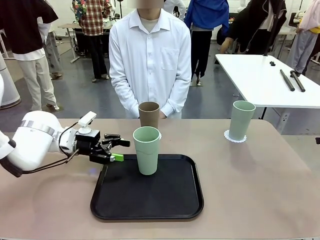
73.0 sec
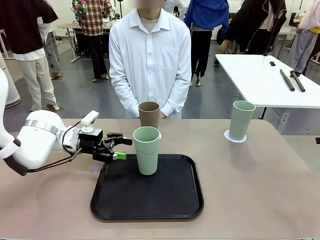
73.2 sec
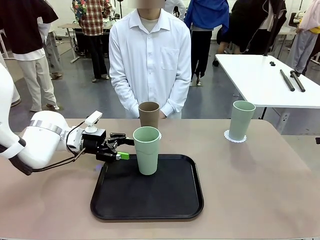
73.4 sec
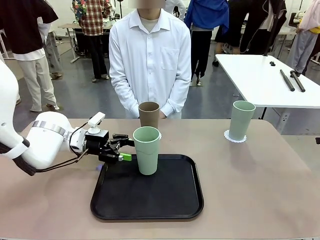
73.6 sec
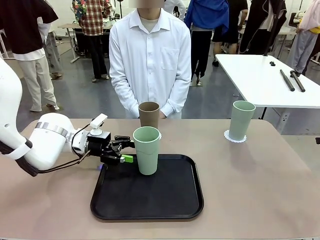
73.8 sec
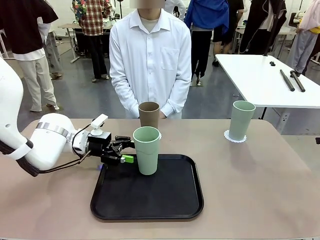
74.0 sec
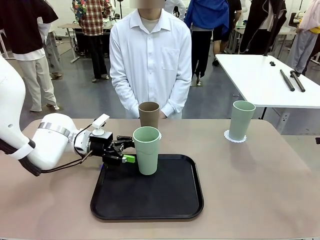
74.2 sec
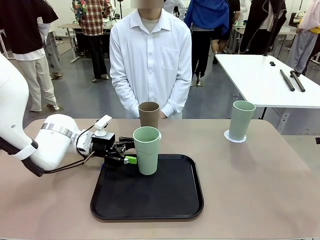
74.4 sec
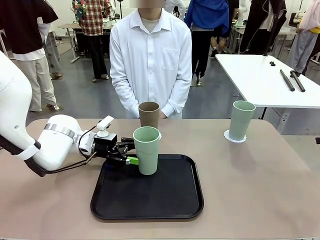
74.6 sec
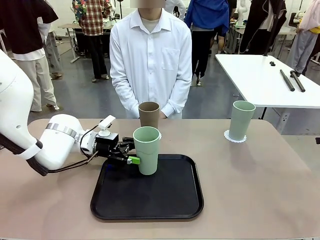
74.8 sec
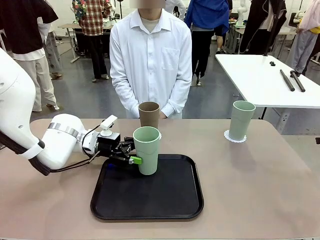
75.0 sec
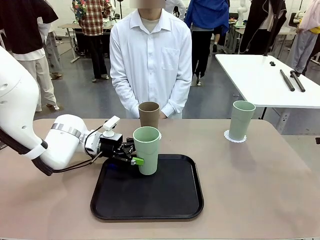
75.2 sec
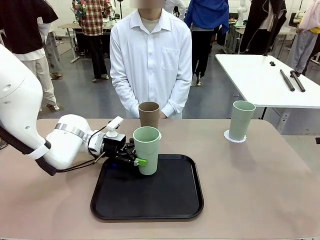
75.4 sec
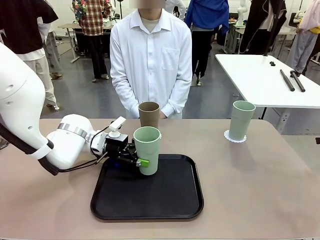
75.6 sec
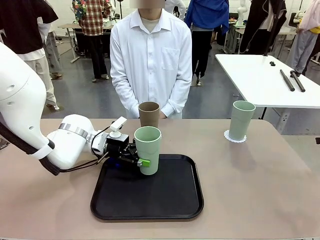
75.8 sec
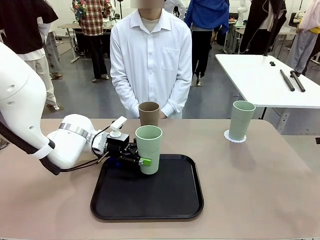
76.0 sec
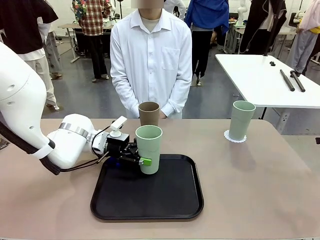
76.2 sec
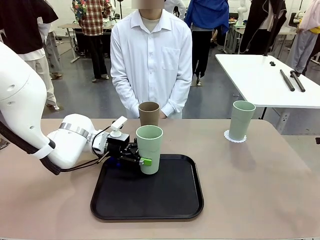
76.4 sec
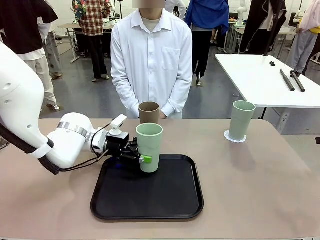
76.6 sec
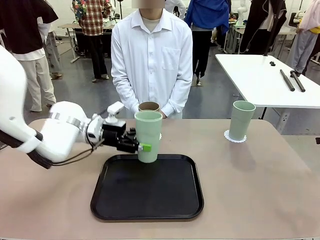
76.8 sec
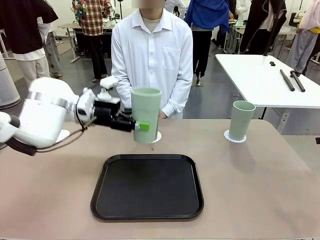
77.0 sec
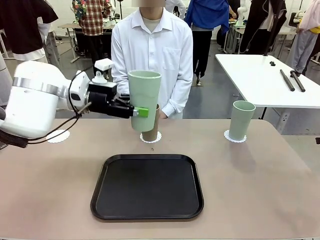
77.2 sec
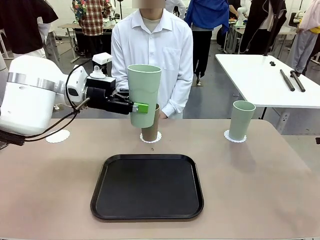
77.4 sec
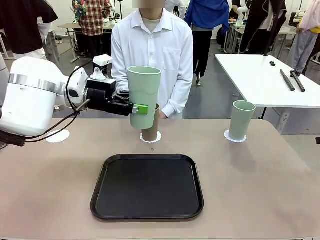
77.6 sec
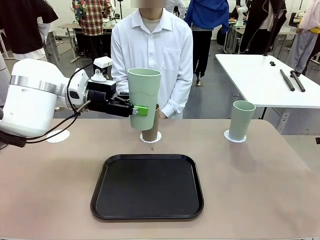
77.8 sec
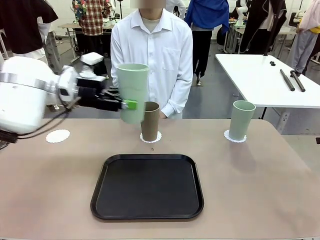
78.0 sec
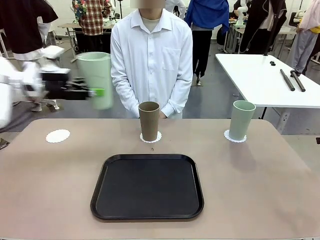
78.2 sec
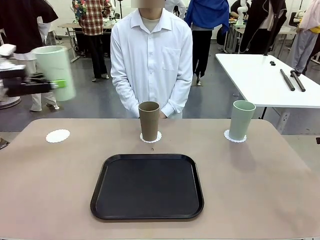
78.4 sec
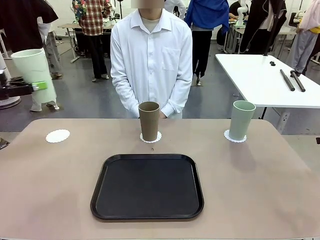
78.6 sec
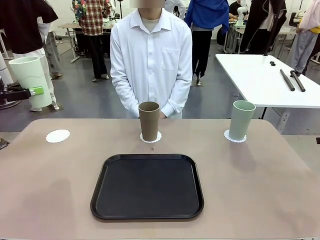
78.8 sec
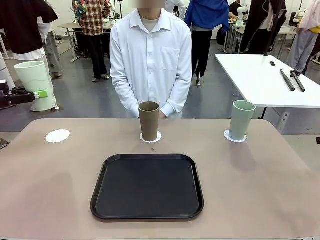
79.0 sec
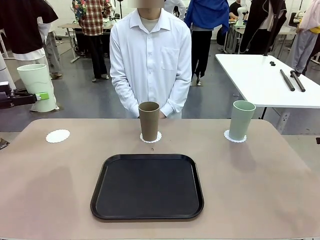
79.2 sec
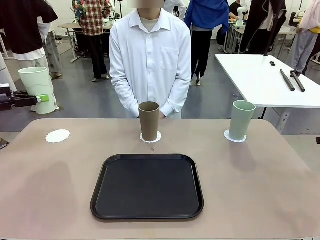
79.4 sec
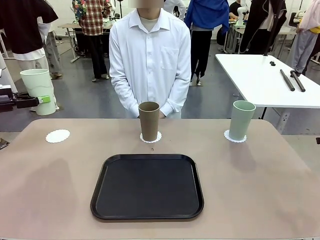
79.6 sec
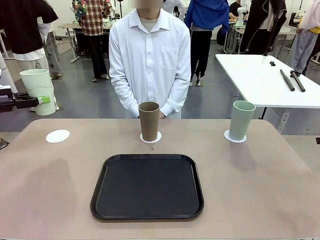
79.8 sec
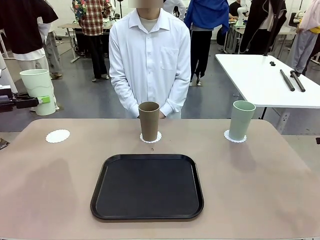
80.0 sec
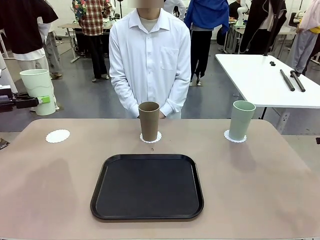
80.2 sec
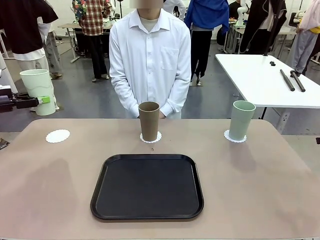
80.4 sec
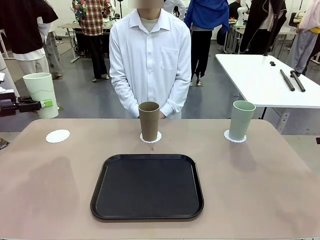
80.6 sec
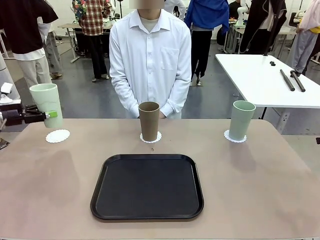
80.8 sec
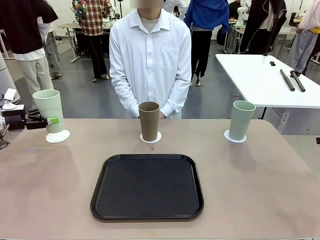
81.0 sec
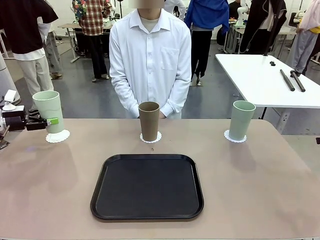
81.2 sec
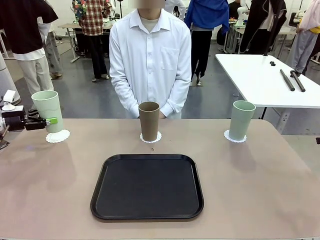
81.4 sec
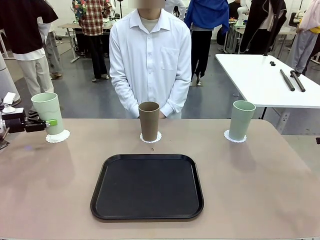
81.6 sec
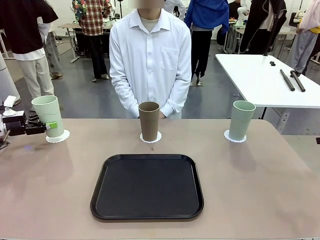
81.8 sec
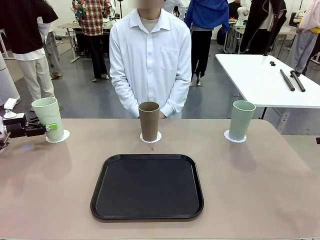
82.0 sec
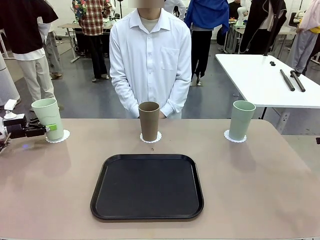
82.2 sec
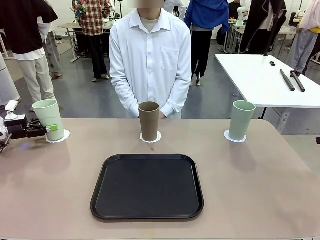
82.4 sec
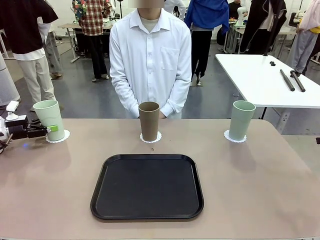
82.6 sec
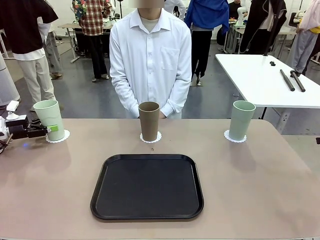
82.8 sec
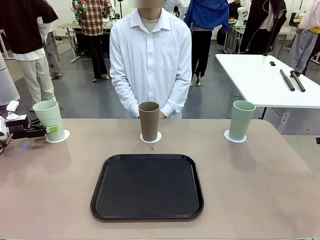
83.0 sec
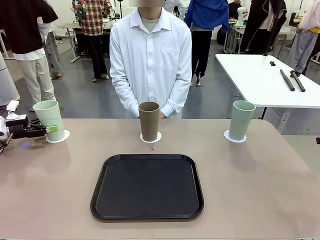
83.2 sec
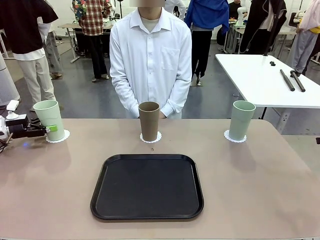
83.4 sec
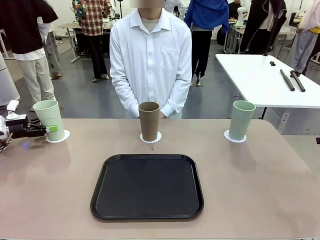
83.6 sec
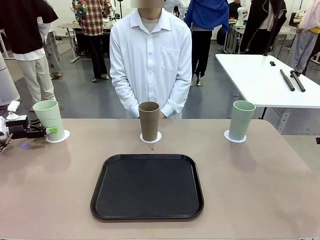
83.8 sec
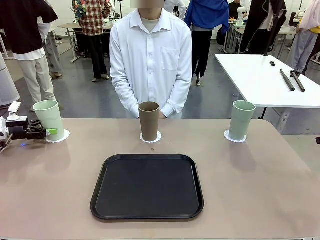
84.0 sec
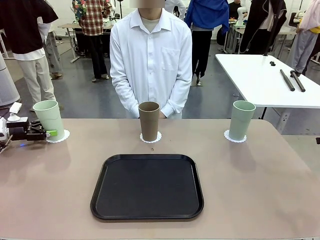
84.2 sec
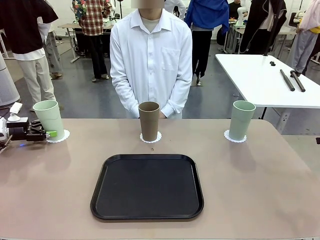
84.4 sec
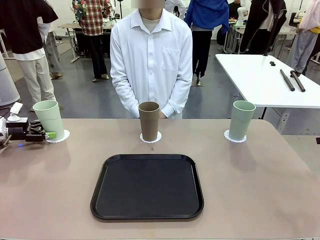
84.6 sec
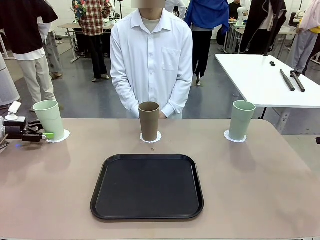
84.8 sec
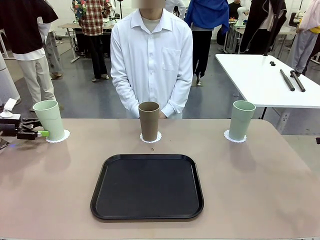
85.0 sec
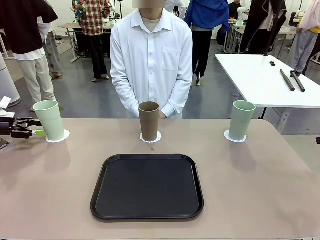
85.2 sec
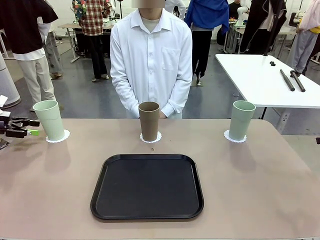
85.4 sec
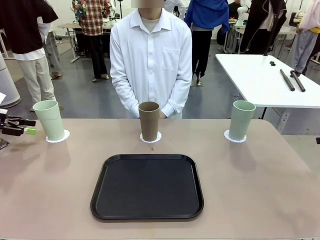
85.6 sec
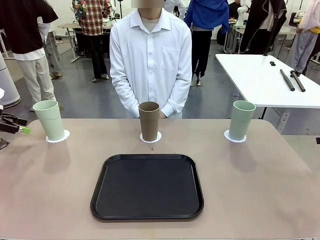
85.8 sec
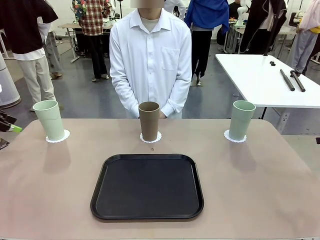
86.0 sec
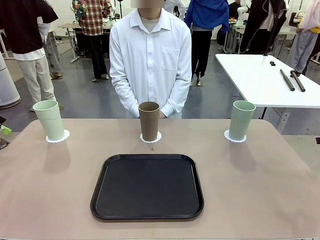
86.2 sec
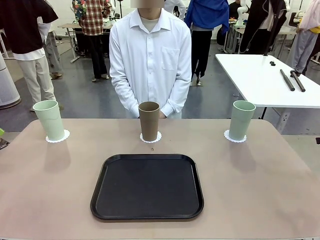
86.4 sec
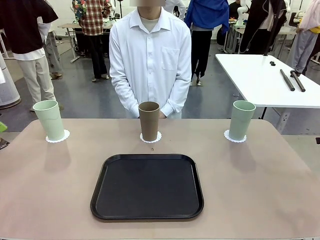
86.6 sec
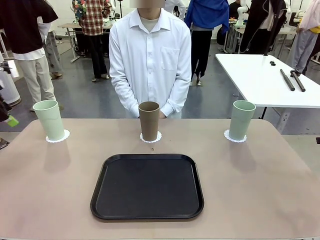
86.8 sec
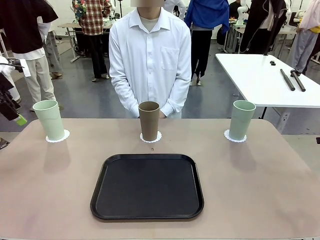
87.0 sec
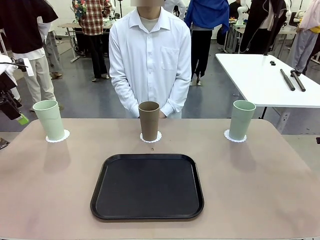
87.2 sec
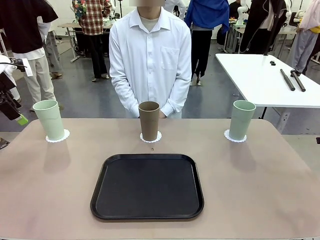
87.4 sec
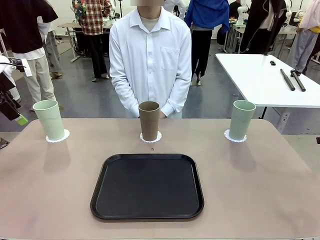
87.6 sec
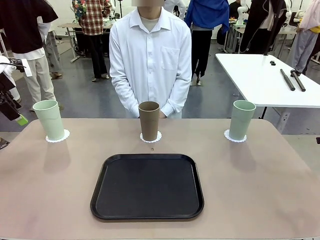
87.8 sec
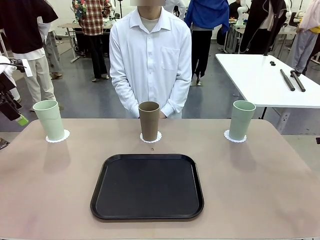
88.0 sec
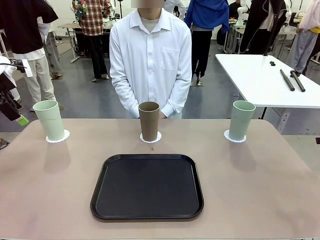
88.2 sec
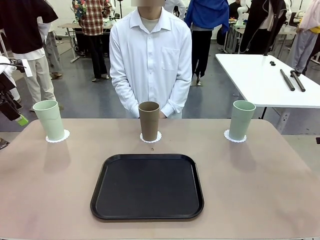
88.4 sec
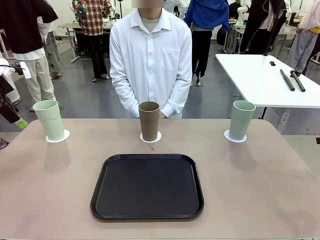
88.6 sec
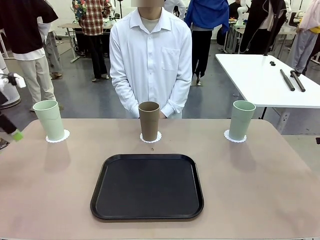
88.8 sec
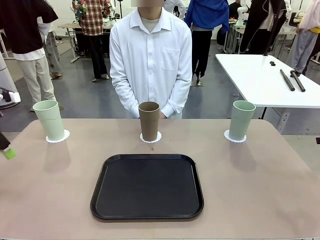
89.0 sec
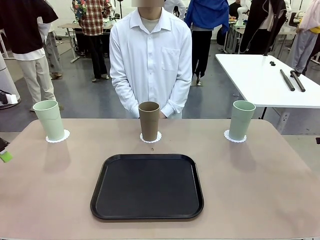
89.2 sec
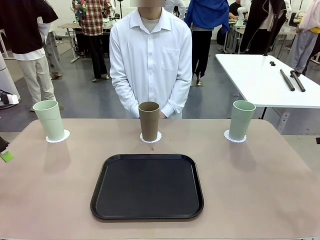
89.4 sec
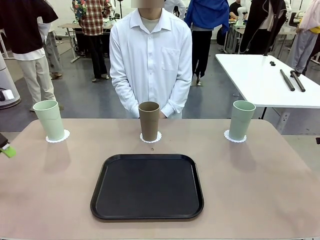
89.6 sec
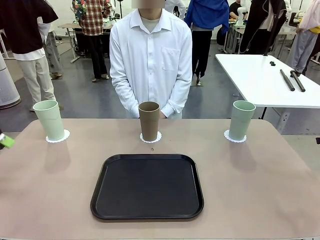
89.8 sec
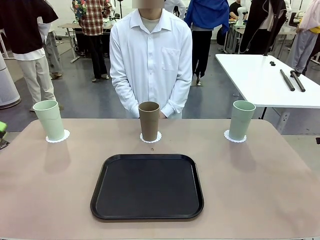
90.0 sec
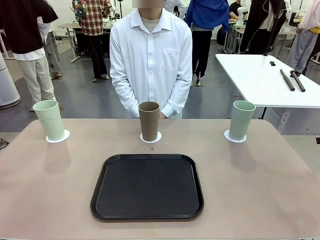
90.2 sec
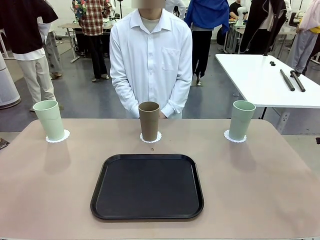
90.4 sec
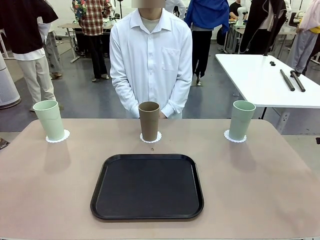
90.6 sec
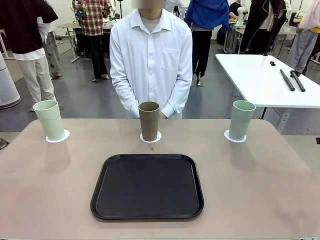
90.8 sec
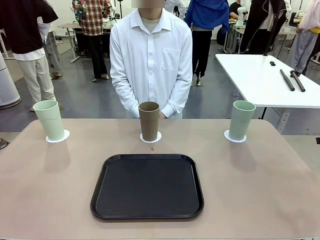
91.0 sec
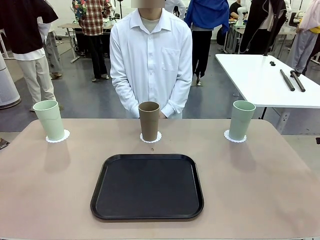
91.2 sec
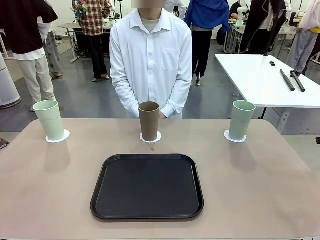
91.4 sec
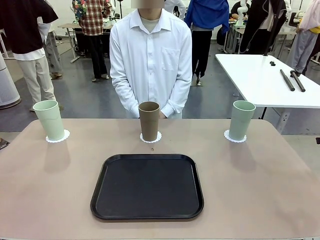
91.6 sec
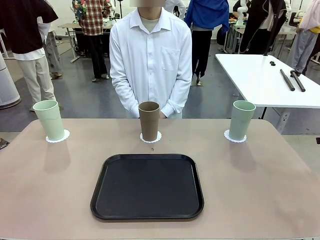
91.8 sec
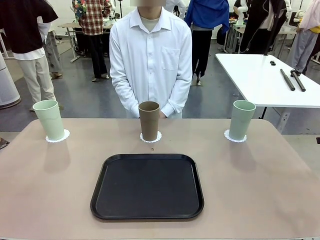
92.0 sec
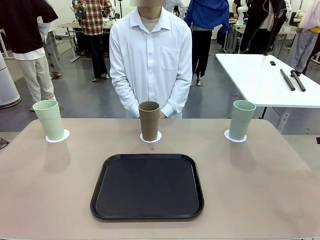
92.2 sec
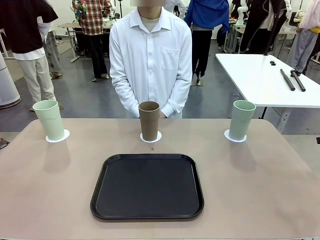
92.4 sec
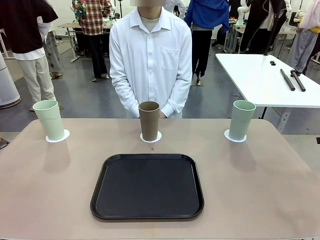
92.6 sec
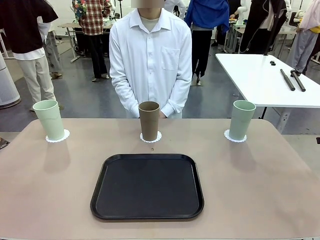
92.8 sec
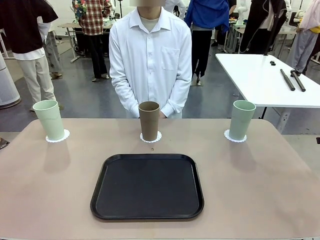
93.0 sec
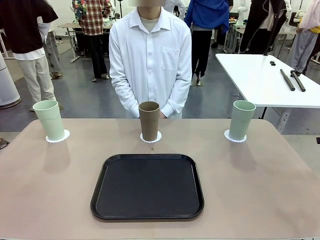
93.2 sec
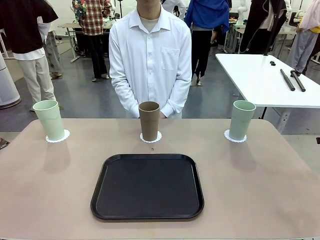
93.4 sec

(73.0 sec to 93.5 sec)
Task: Place coasters on the table and set cups on them.
Robot: Take one Reusable plastic cup from the Flat Tray and place it on a coaster set by the human.
